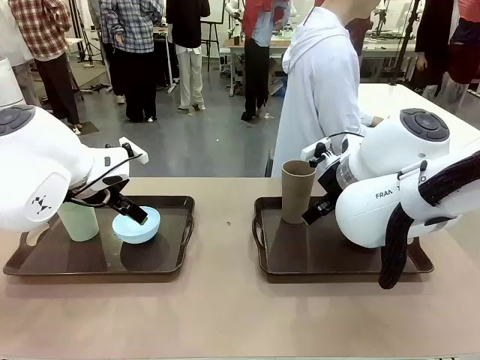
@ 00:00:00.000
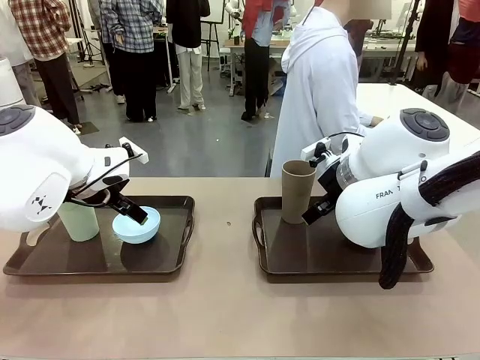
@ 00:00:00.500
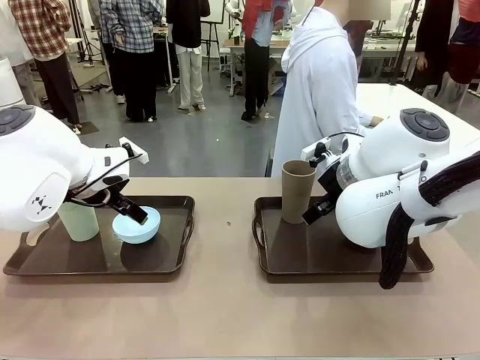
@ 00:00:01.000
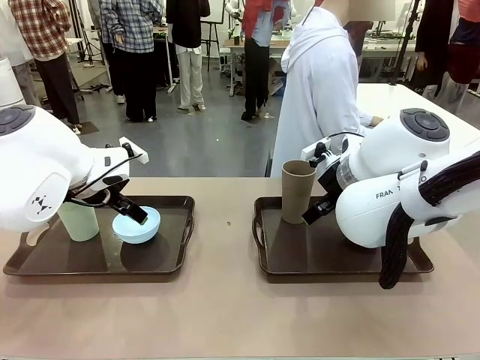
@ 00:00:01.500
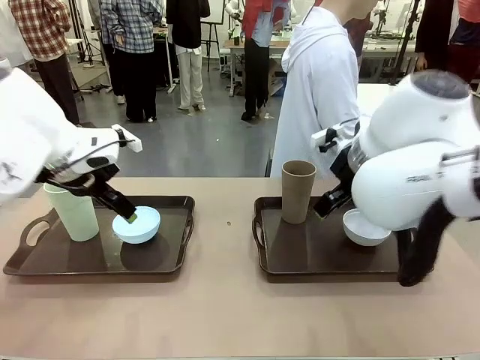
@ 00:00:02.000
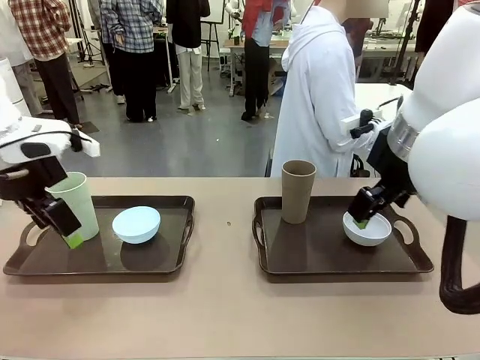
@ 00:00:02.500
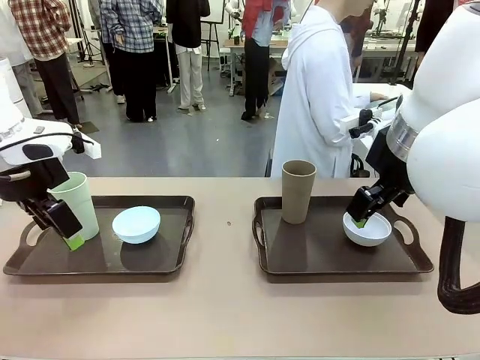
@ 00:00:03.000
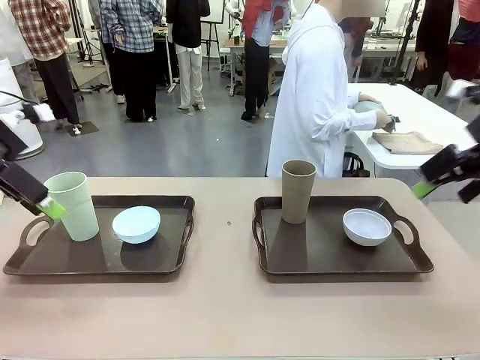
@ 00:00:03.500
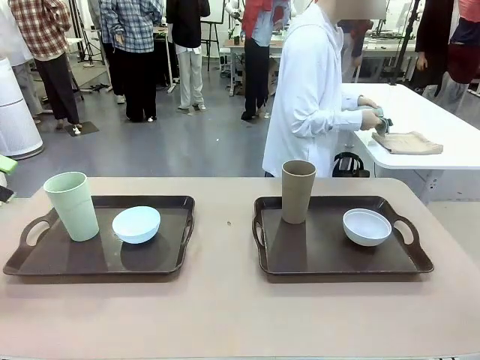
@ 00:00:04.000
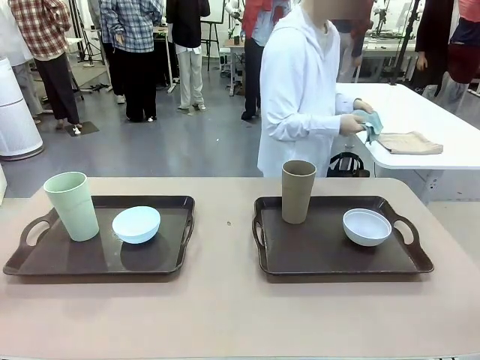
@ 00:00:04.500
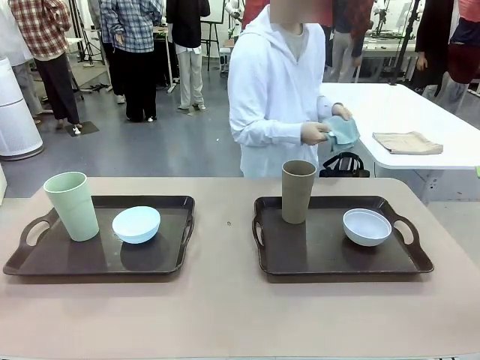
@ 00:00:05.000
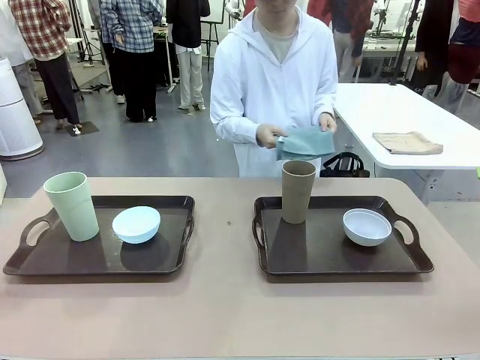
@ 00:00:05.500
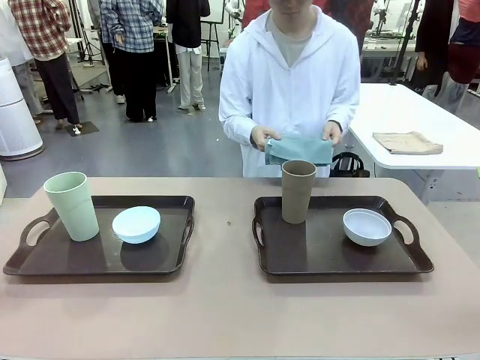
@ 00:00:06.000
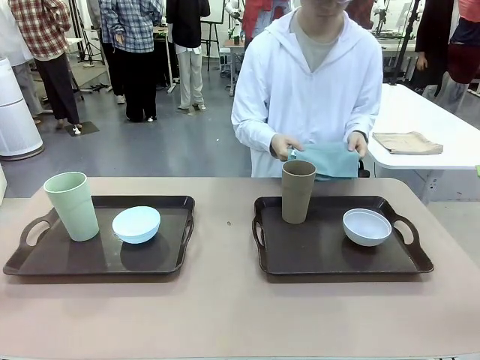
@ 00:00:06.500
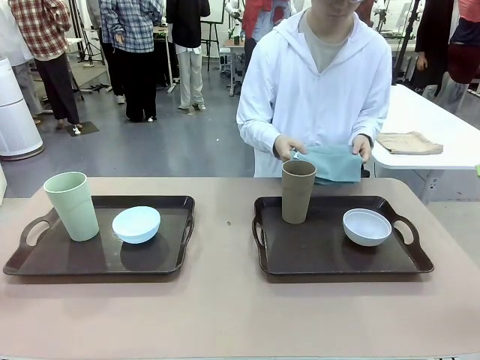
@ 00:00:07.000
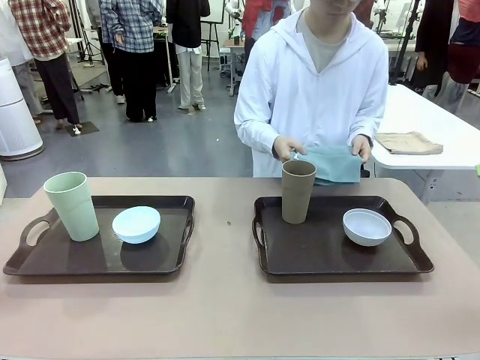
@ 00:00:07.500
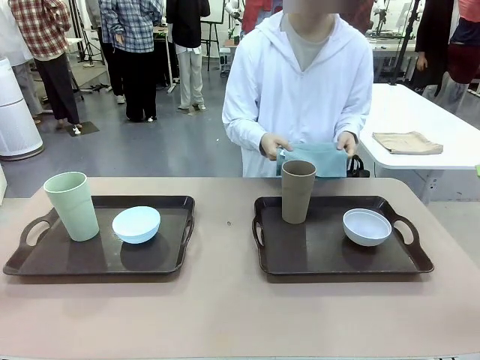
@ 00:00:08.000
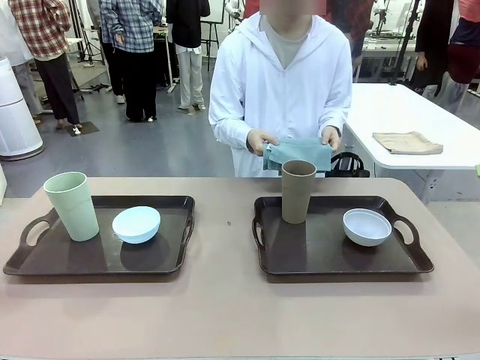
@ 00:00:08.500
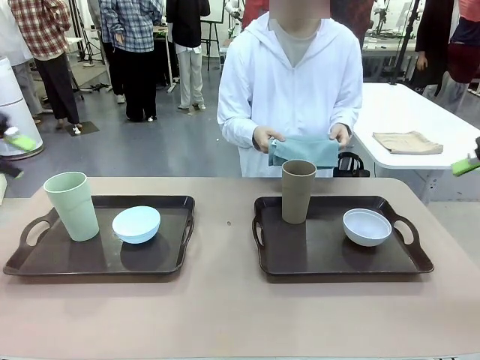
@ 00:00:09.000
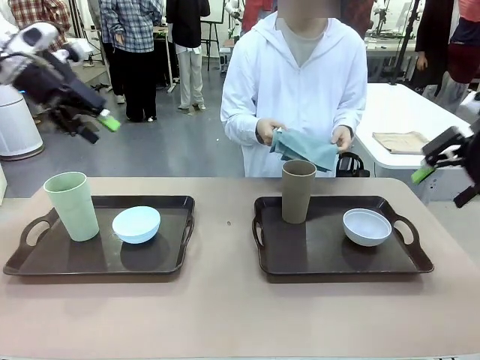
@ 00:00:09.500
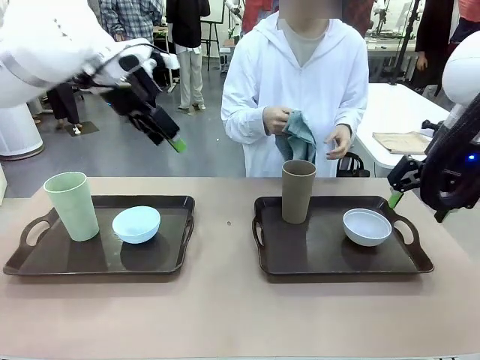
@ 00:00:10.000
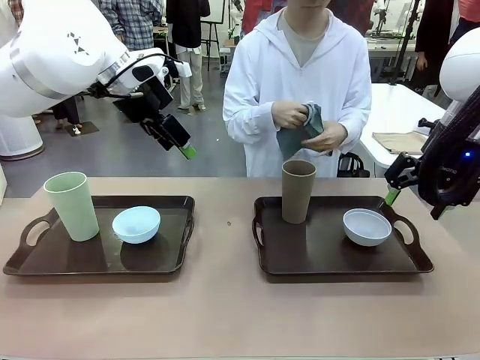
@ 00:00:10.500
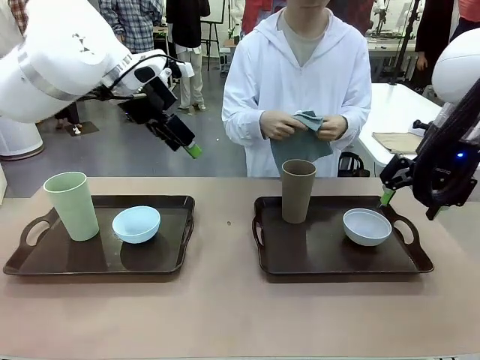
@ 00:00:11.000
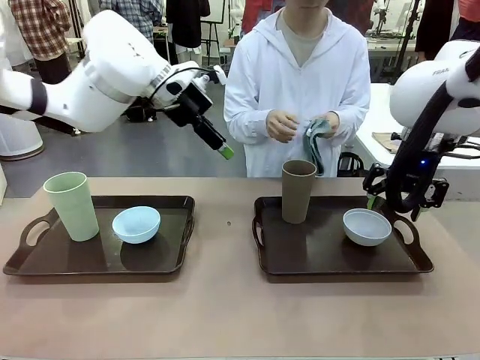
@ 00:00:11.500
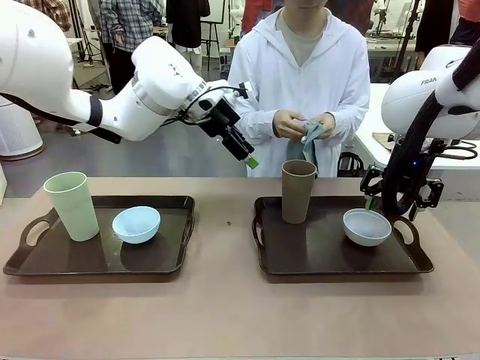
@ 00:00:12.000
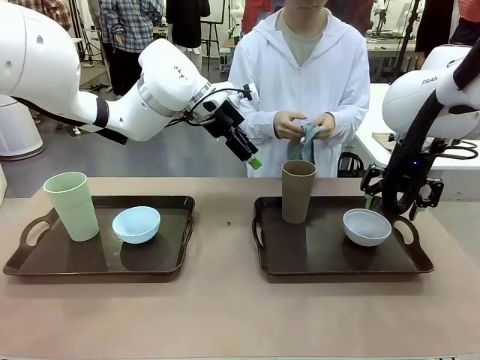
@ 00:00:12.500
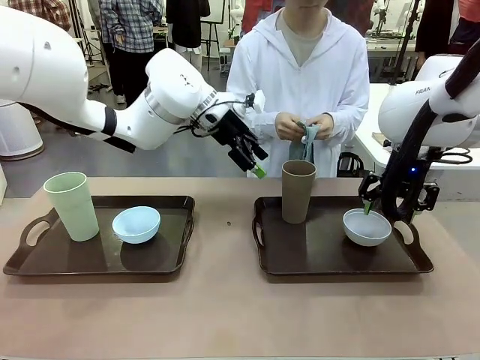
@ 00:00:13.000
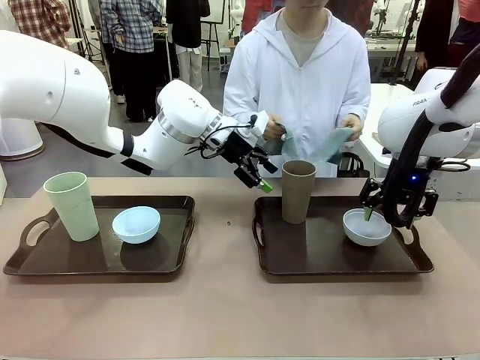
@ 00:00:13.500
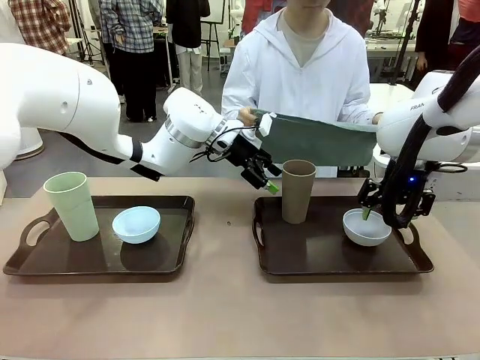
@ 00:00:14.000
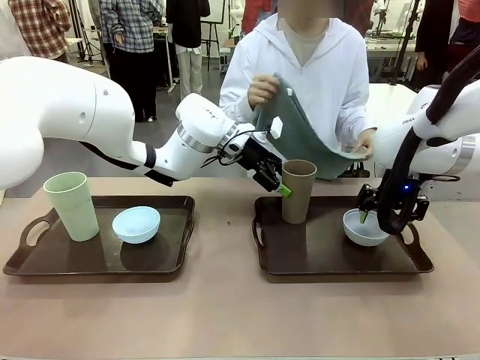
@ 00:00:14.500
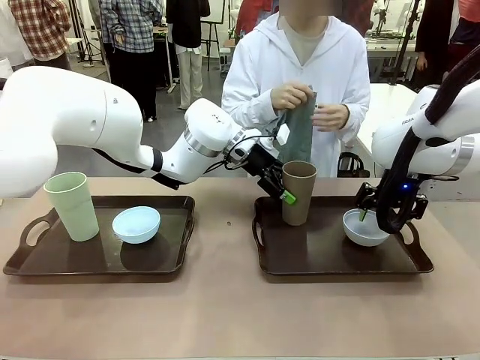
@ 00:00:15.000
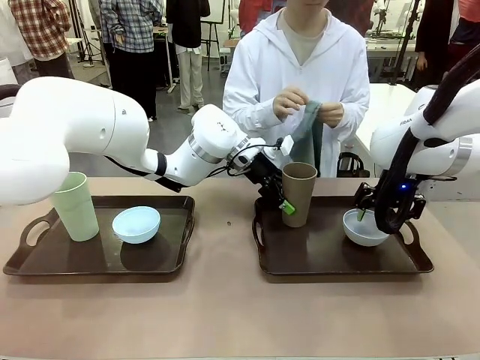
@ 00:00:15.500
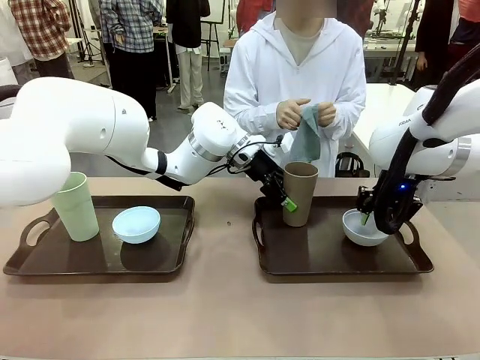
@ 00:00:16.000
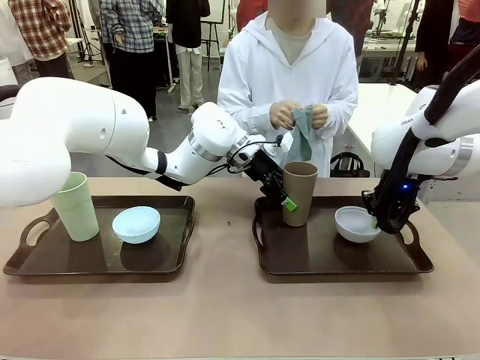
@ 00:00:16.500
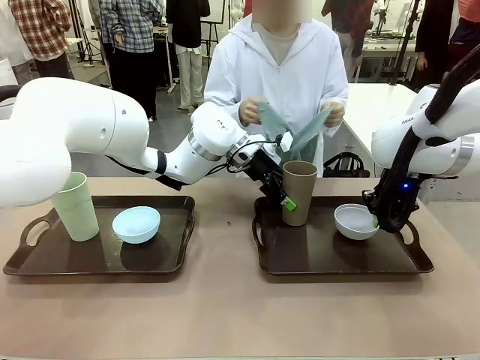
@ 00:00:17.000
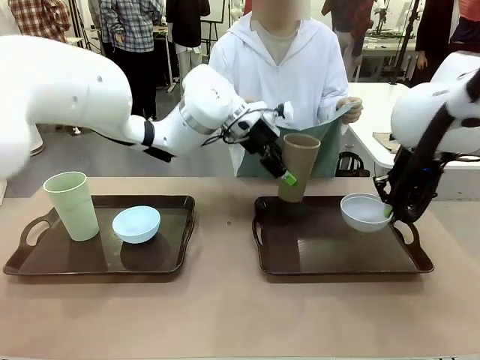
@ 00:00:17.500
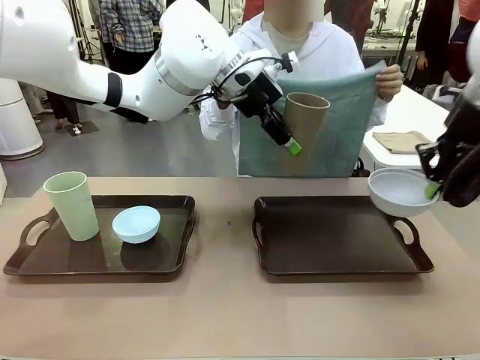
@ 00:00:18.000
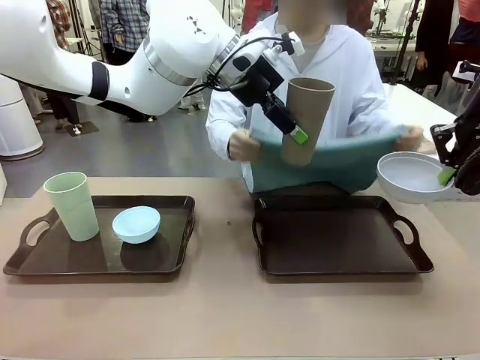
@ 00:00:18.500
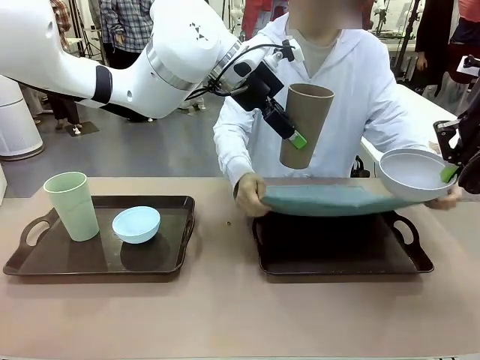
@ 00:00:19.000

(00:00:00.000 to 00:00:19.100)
Robot: Pick up the Picnic Bowl and Reusable plastic cup from the Handle tray in front of the human's position and hold them in the air.
Person: The human picks up the top napkin from the stack on the human table and walks to the robot table to stand in front of one of the two trays. When the robot lifts the bowl and the cup, the human unfolds the napkin and lays the napkin flat on the tray.

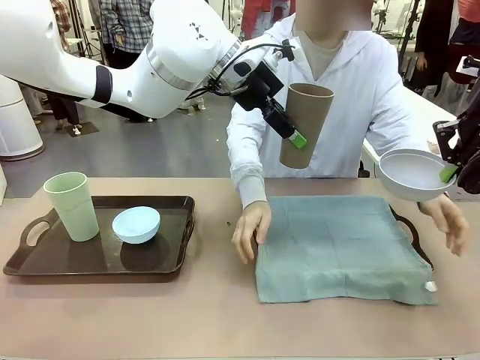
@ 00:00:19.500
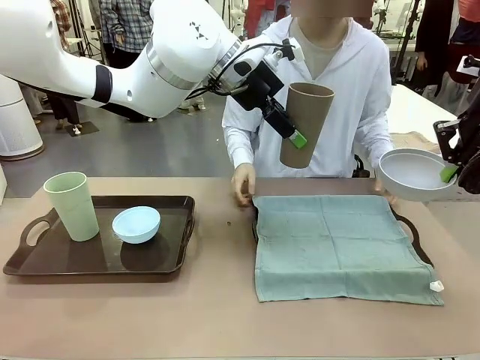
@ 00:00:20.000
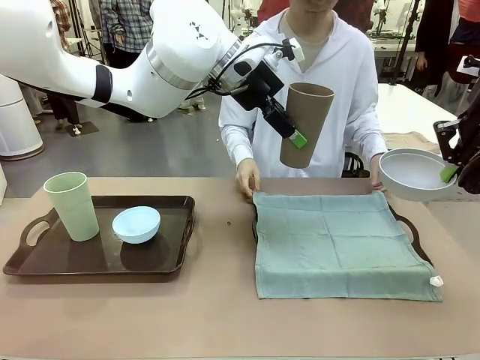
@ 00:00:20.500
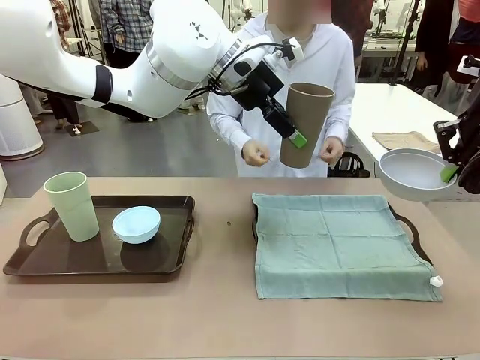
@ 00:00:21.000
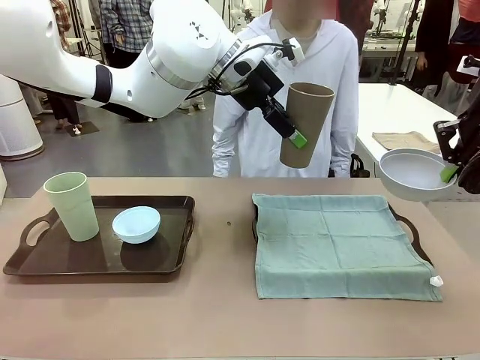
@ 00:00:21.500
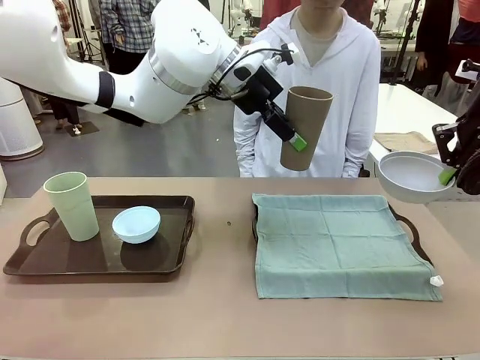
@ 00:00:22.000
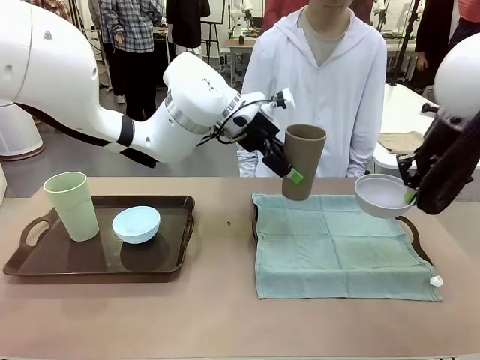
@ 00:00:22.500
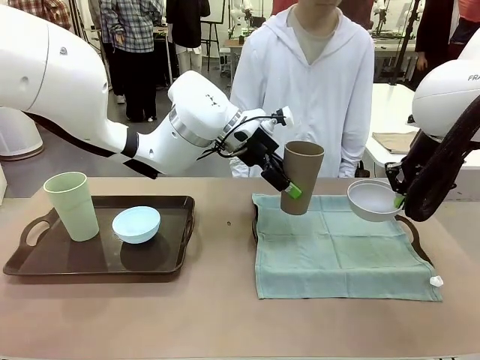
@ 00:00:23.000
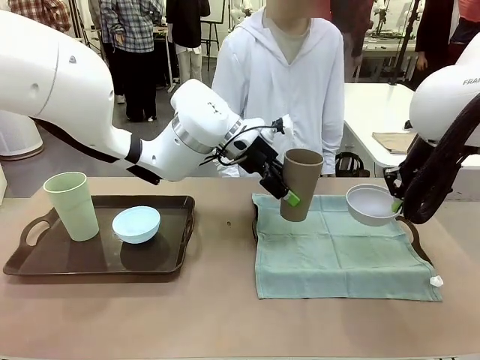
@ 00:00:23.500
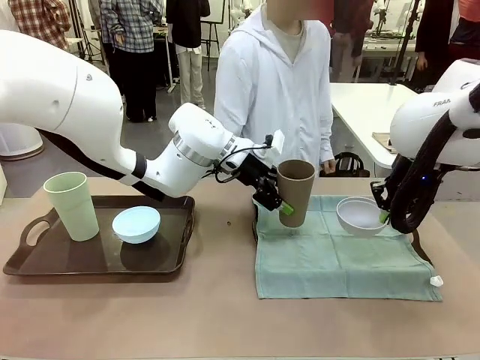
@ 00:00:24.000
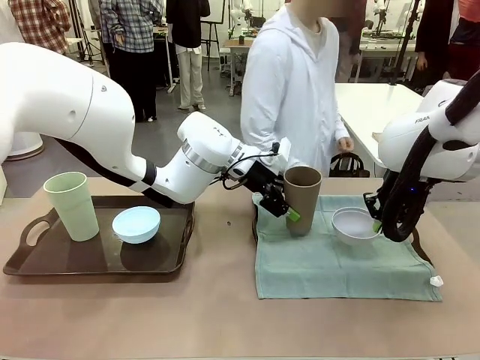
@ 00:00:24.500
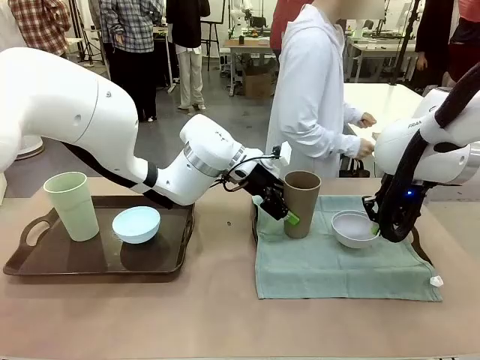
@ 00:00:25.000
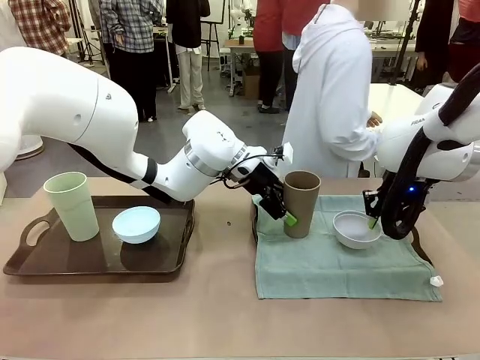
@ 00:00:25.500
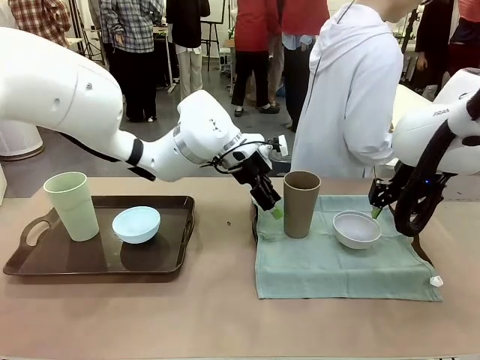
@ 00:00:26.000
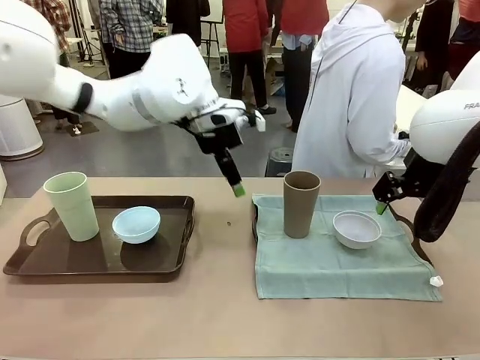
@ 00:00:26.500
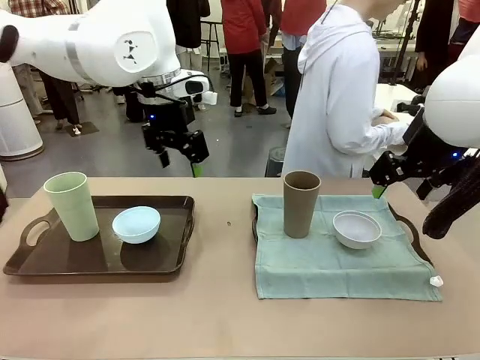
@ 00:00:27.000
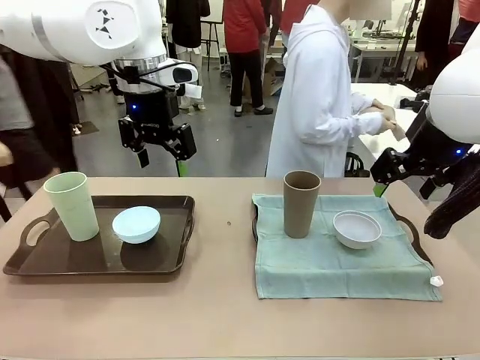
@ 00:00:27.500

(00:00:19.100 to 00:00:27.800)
Robot: Place the Picnic Bowl and Reusable plastic cup back onto the Handle tray in front of the human's position.
Person: The human returns to the human table to pick up another napkin and walks to the robot table to stand in front of the tray without a napkin.
